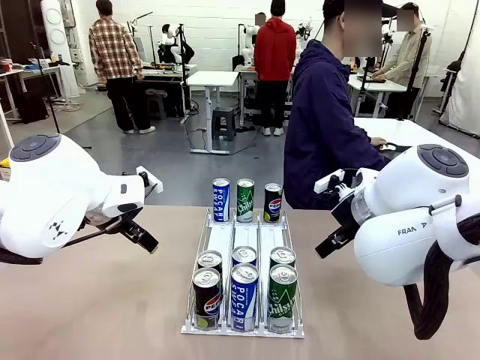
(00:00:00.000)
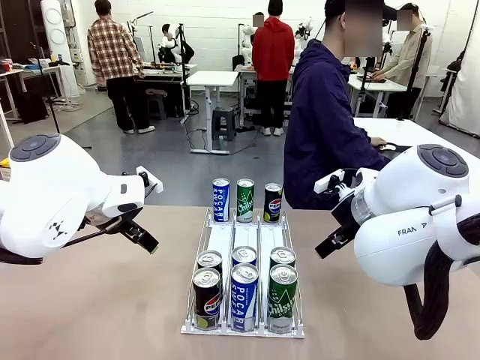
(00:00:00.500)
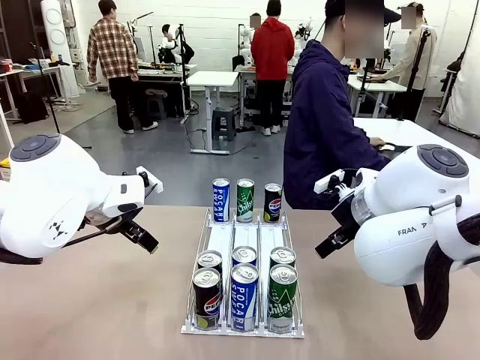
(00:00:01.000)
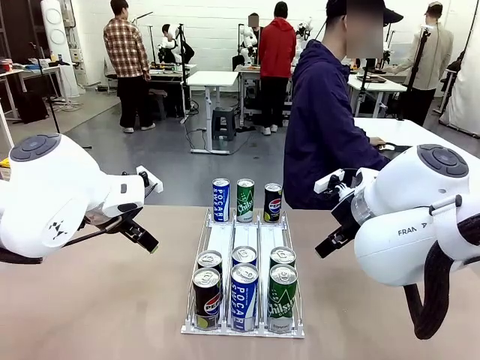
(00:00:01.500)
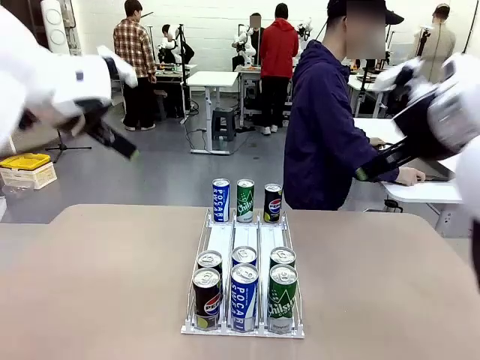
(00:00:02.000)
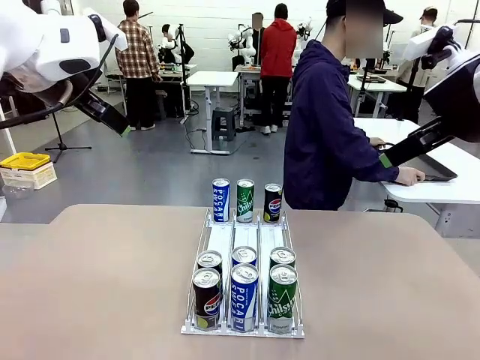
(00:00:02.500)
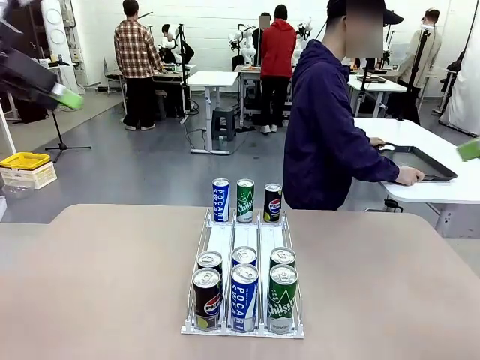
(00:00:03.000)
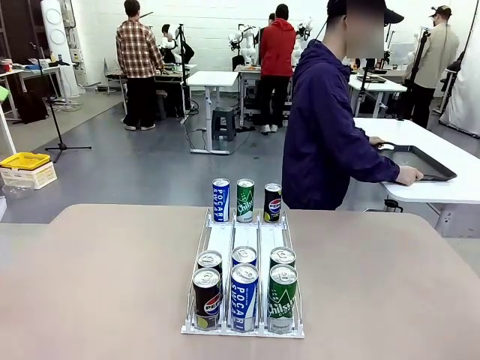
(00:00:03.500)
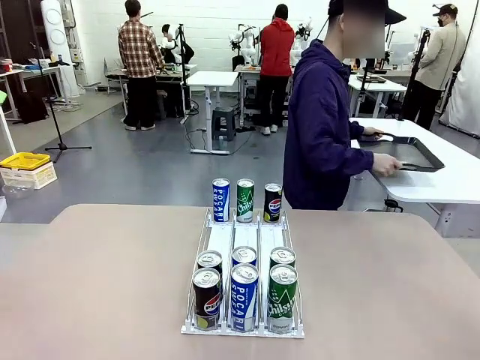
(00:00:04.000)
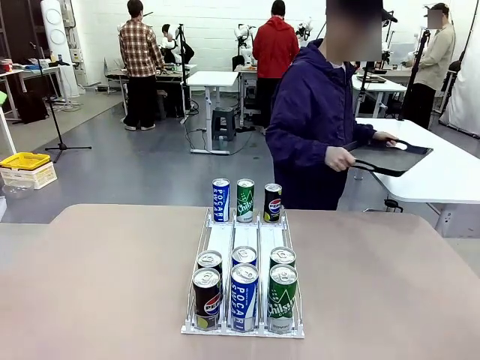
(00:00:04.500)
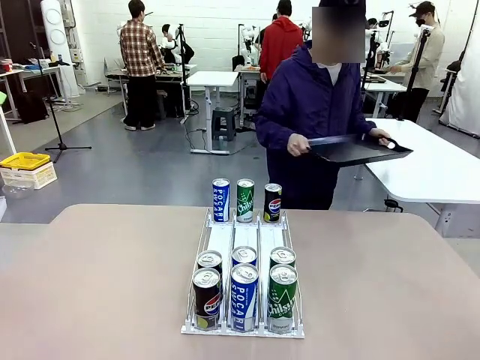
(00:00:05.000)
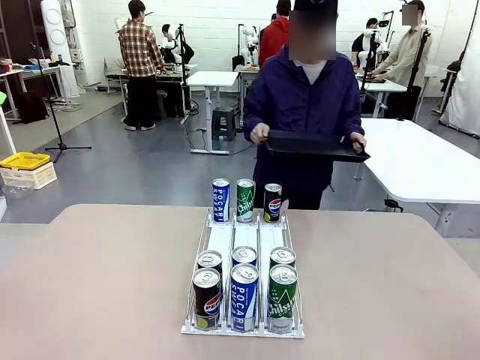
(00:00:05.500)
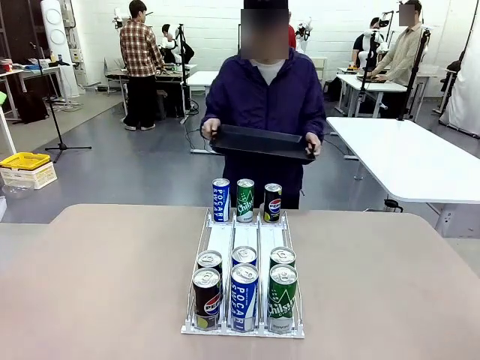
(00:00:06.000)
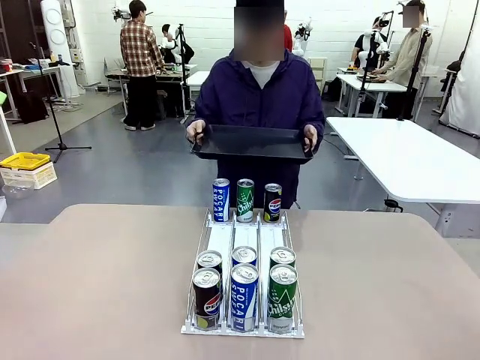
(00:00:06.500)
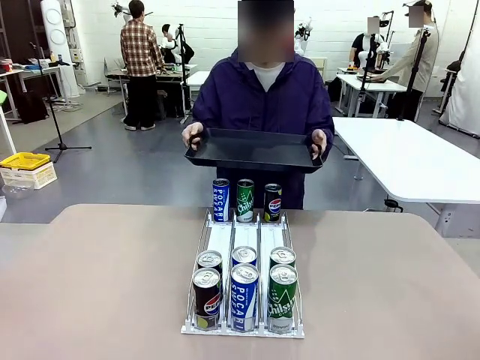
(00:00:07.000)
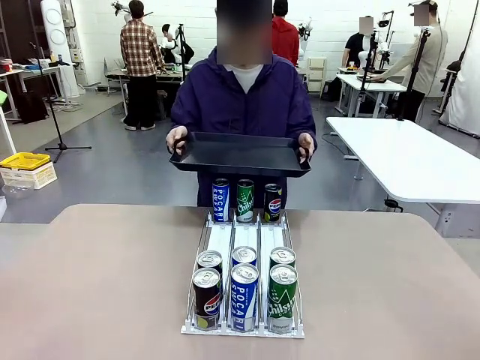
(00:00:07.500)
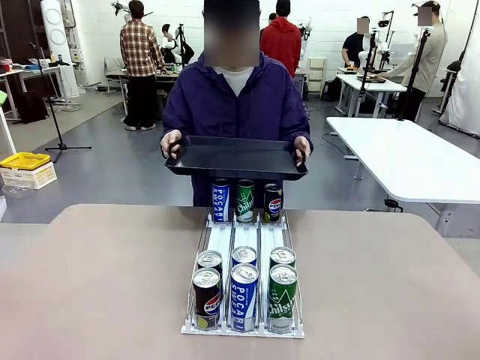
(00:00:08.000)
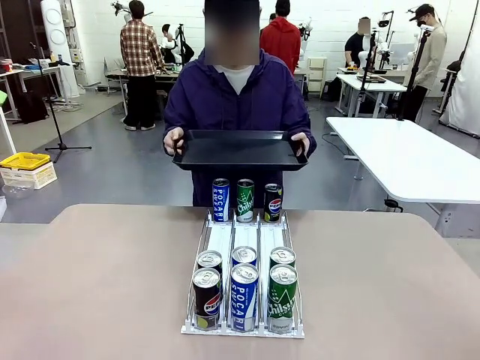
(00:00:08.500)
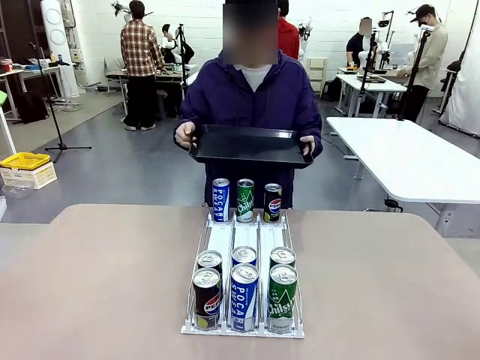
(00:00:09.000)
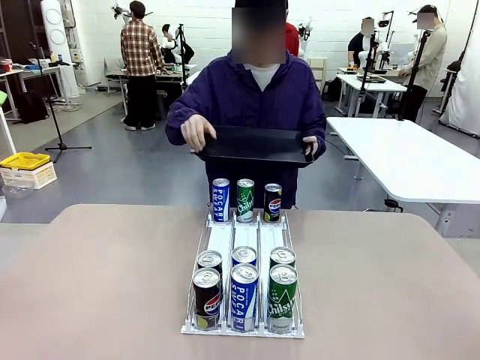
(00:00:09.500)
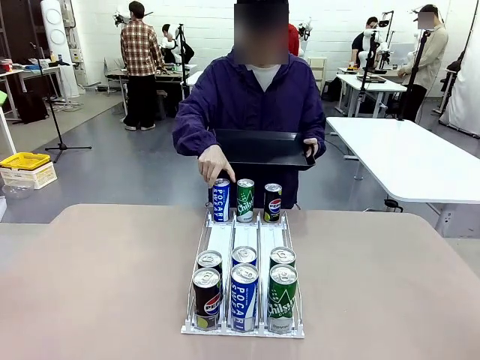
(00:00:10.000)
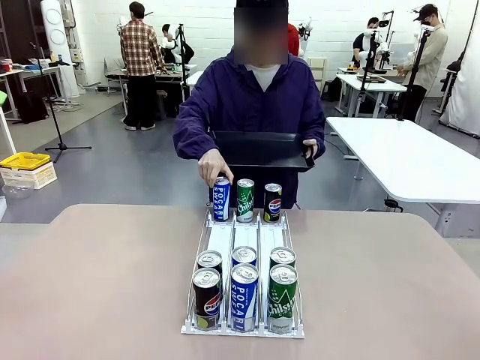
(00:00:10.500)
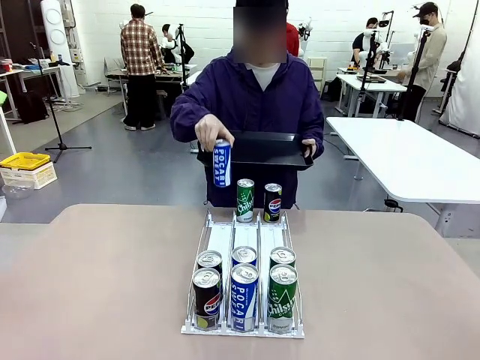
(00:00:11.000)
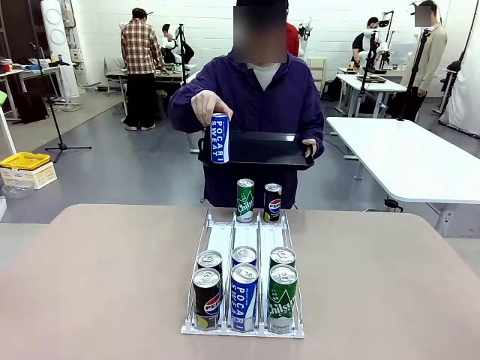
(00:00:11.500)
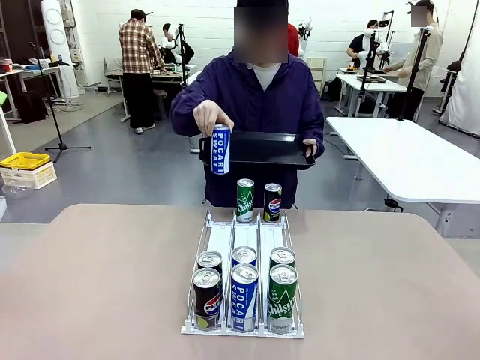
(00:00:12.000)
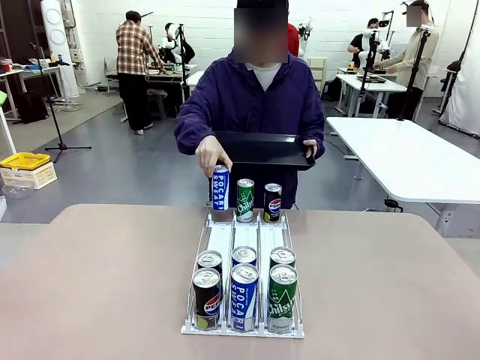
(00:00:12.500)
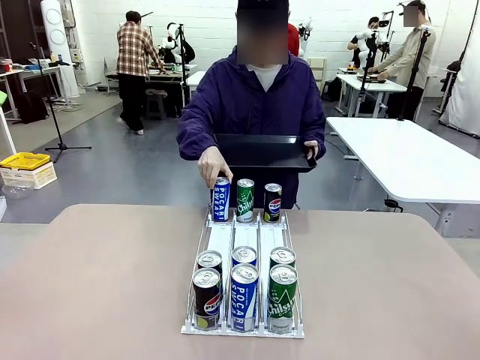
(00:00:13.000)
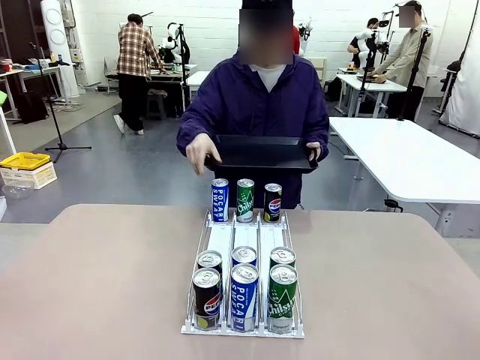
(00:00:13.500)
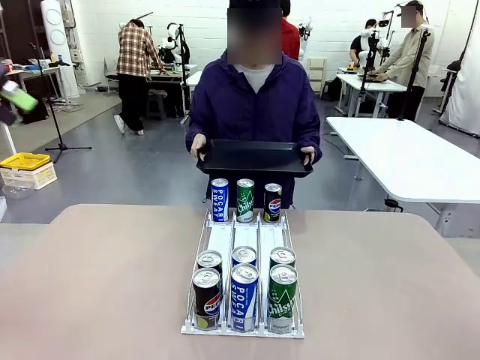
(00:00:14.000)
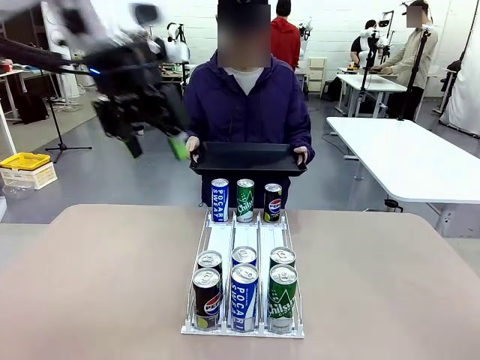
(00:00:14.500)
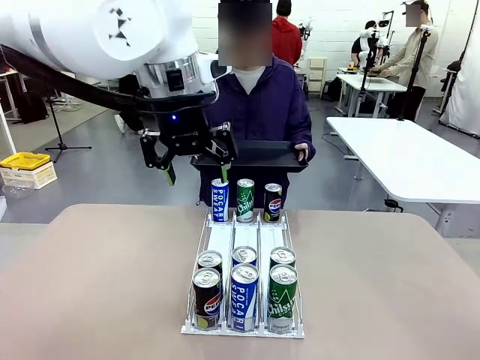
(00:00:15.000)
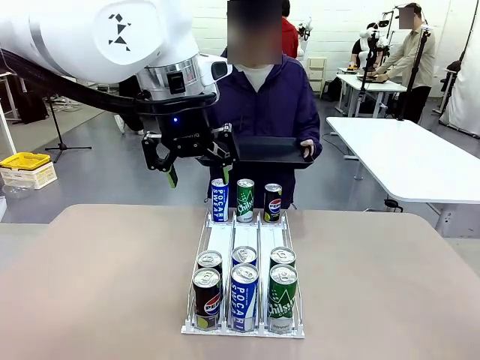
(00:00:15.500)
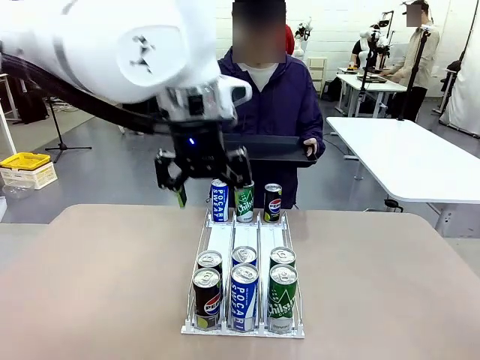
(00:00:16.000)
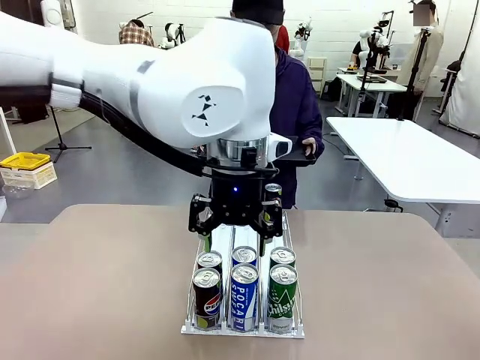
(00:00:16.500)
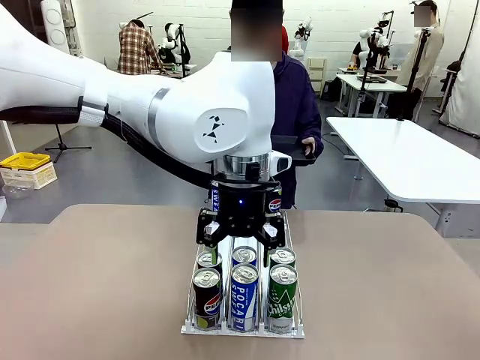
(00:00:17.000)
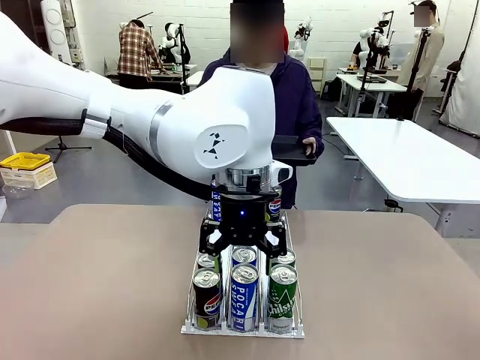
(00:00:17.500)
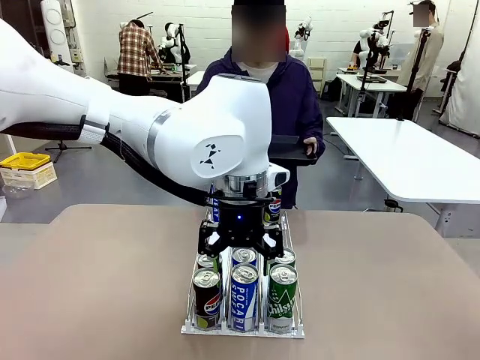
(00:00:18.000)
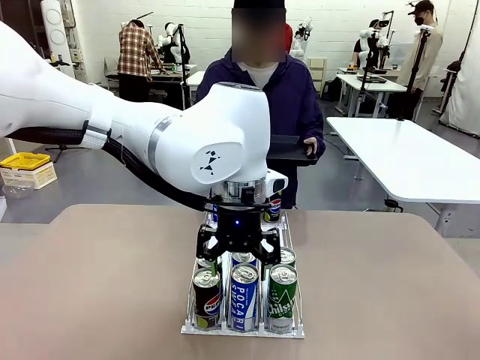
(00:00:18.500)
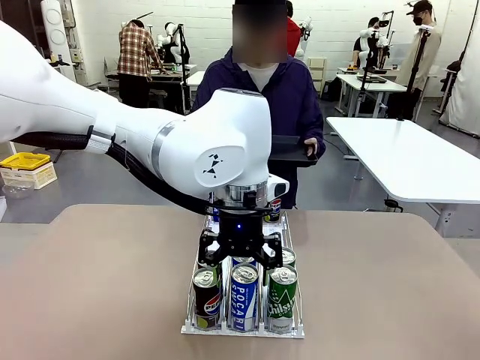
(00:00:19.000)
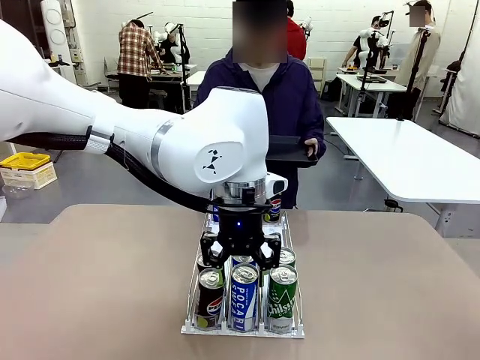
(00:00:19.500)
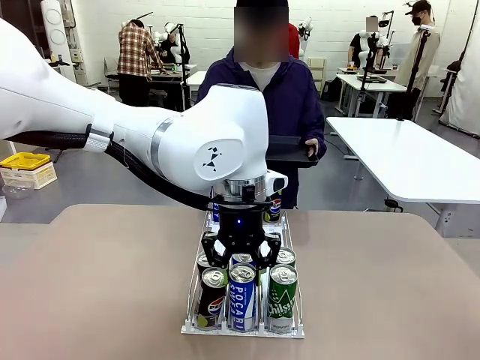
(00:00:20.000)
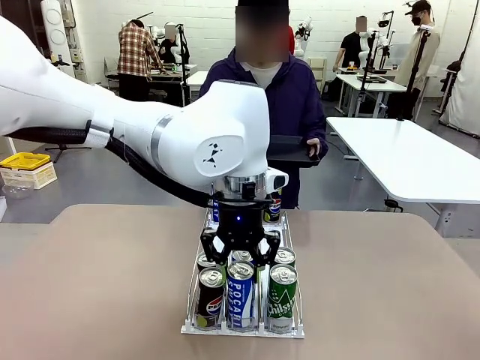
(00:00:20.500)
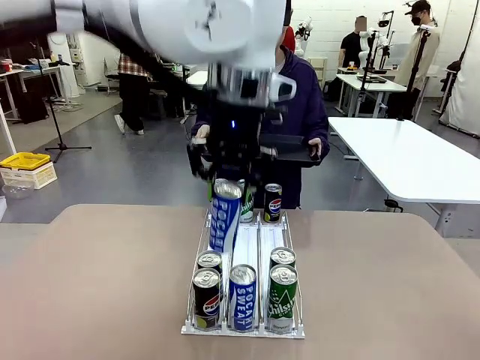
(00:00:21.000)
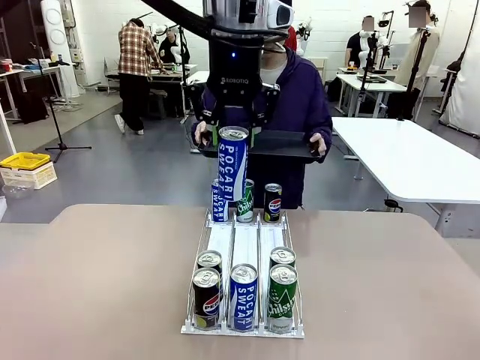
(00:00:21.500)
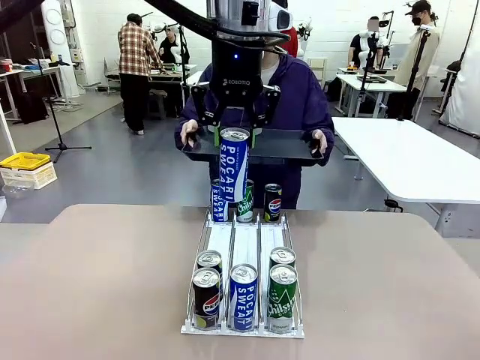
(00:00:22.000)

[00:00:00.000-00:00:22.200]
Task: Retrieve and hand over the desired beverage to the person.
Robot: Pick up a can of the same type that the person held from the Automatic Can Dispenser.
Person: Hold the tray and position yourself in front of the robot table. Pick up one can from the bottom area of the table and puts it back in its original place. Push the tray toward the robot.

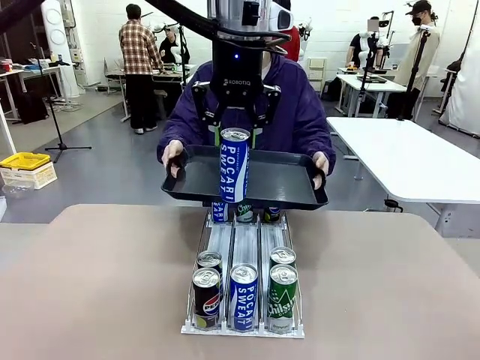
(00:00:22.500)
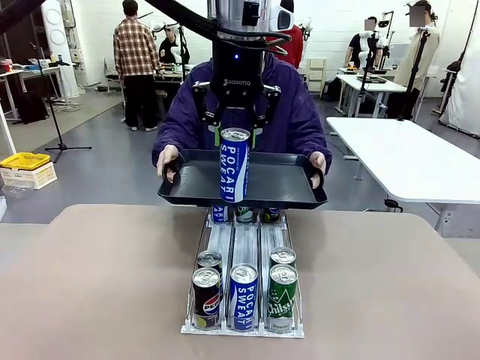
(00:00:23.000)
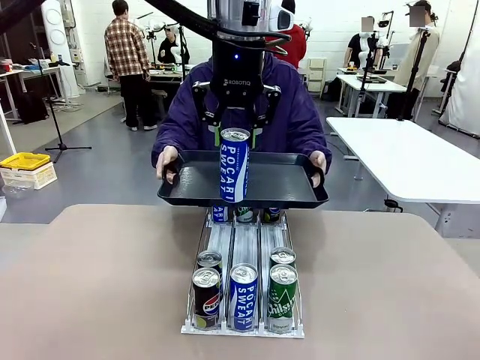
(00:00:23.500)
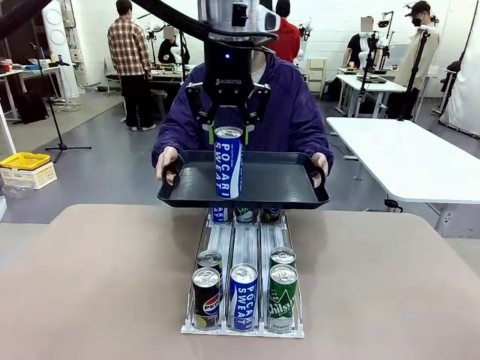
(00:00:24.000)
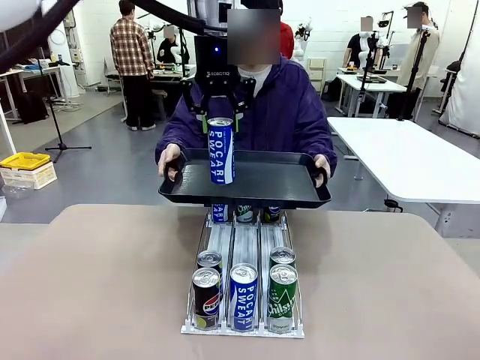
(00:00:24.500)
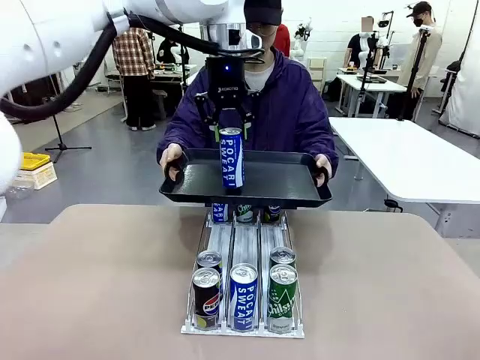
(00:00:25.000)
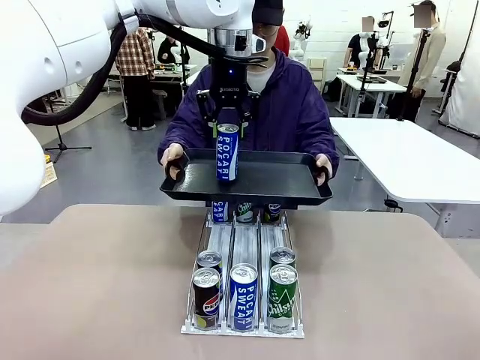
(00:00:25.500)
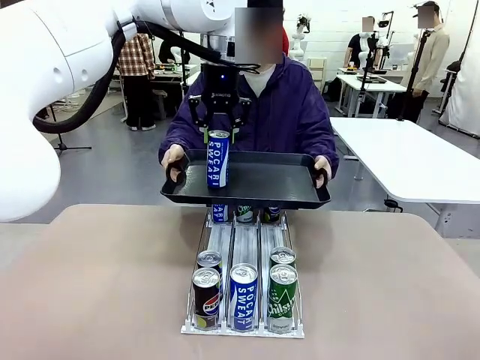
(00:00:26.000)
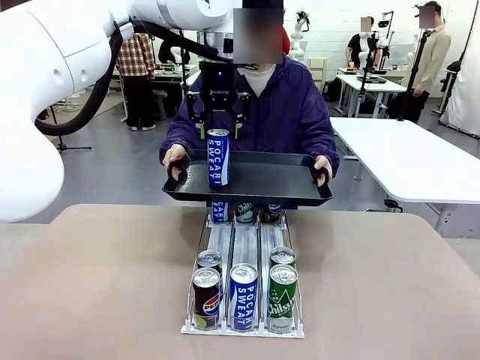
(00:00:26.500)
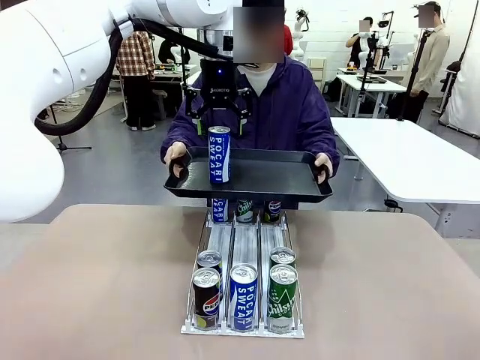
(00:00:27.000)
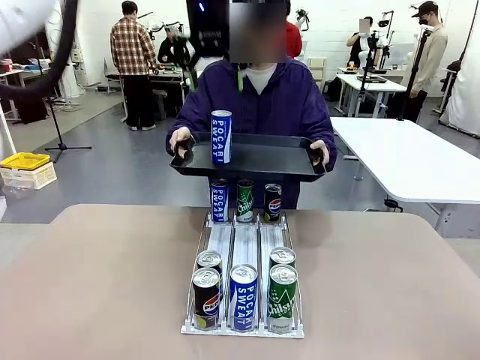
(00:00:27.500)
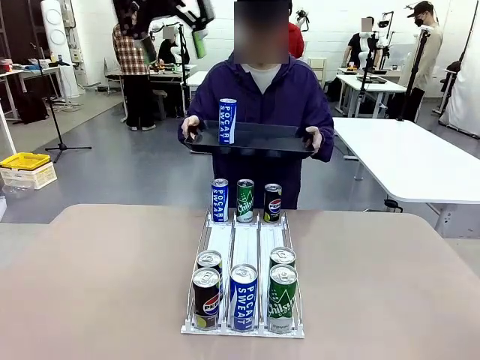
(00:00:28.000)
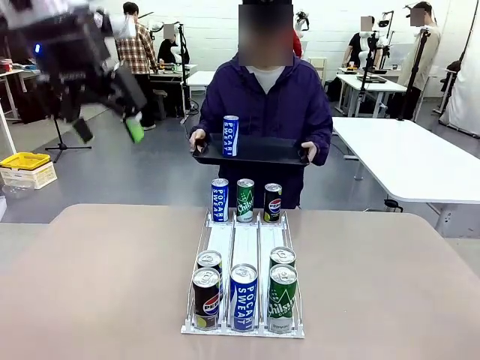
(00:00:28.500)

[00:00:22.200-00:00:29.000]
Robot: Place the picked can on the Handle tray extended by the person.
